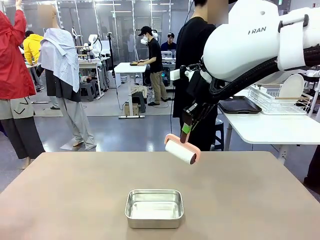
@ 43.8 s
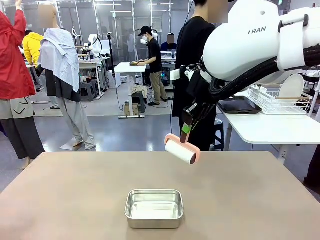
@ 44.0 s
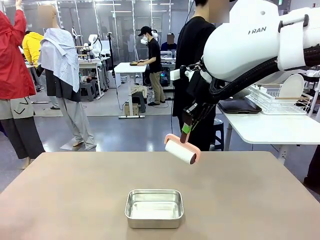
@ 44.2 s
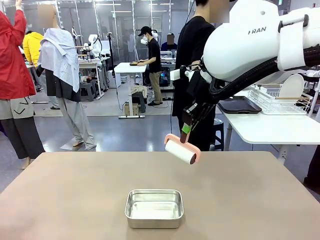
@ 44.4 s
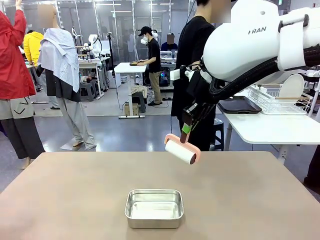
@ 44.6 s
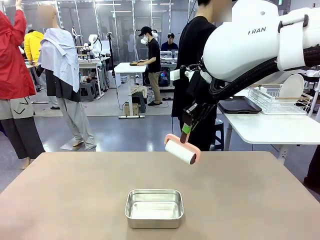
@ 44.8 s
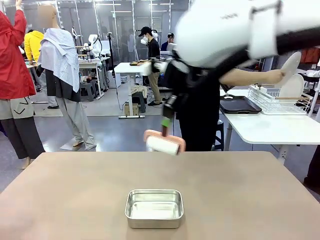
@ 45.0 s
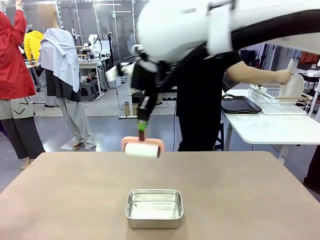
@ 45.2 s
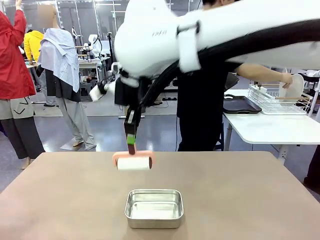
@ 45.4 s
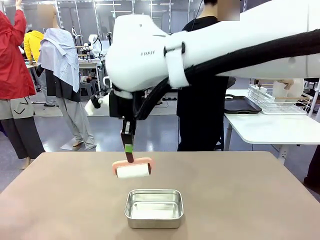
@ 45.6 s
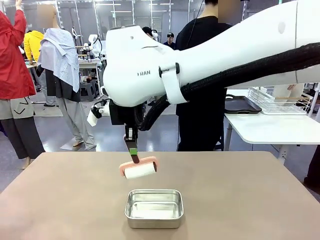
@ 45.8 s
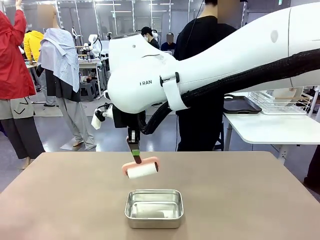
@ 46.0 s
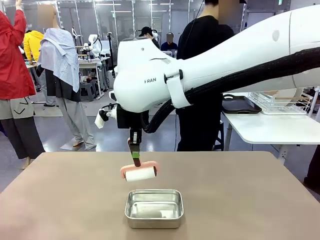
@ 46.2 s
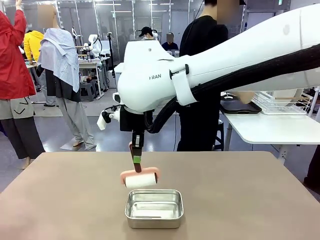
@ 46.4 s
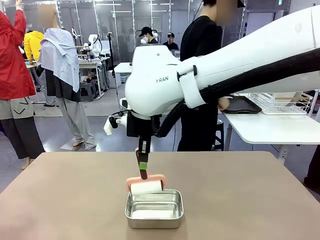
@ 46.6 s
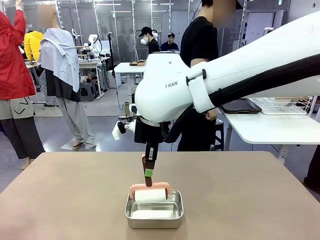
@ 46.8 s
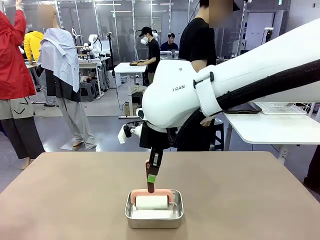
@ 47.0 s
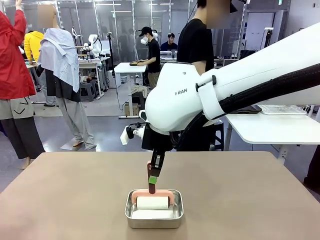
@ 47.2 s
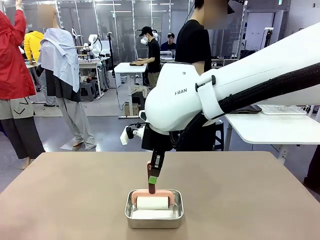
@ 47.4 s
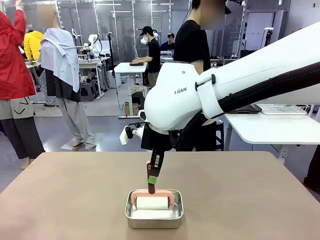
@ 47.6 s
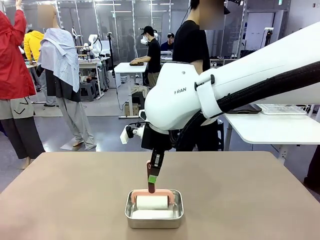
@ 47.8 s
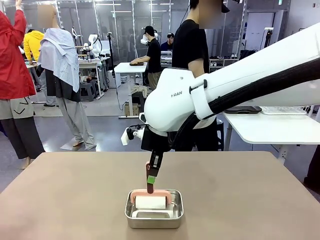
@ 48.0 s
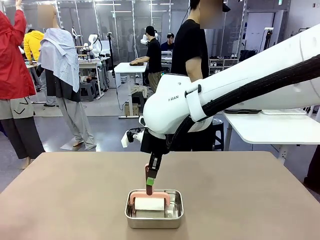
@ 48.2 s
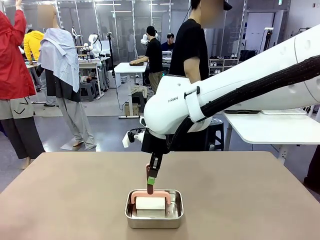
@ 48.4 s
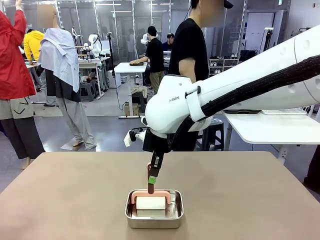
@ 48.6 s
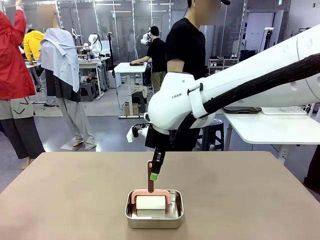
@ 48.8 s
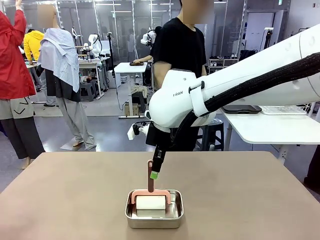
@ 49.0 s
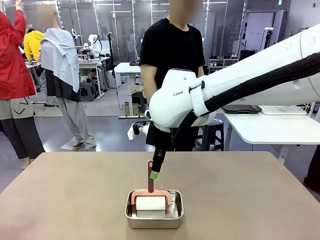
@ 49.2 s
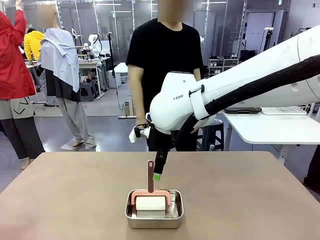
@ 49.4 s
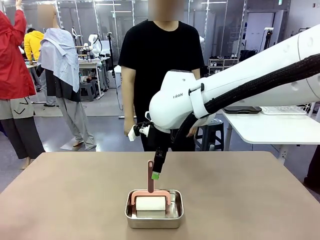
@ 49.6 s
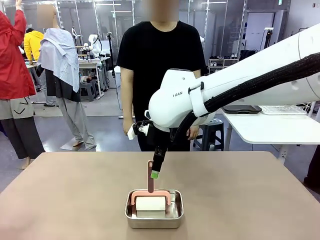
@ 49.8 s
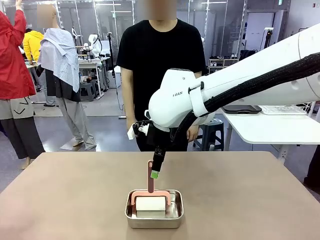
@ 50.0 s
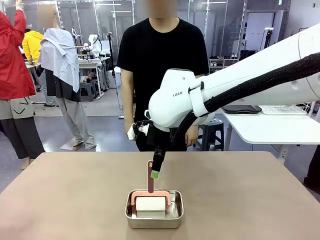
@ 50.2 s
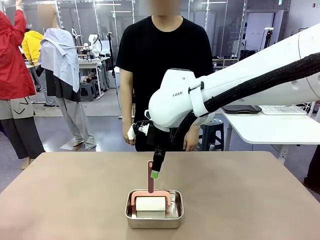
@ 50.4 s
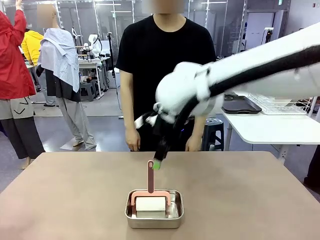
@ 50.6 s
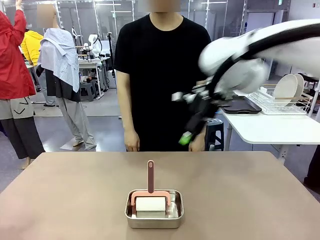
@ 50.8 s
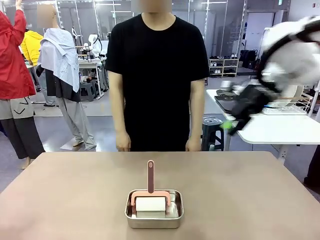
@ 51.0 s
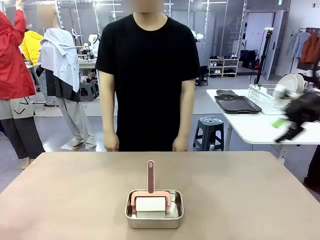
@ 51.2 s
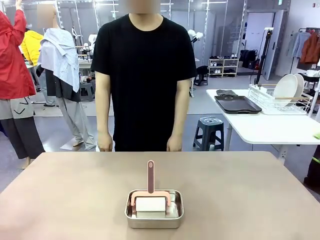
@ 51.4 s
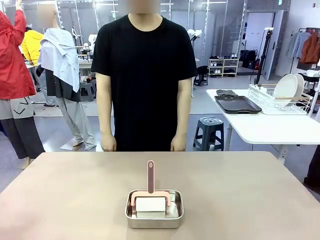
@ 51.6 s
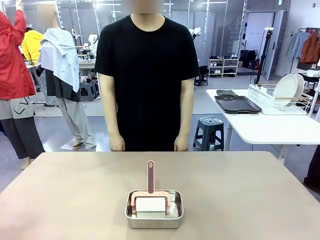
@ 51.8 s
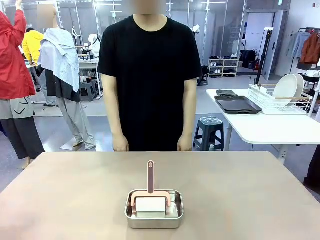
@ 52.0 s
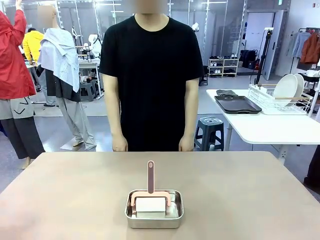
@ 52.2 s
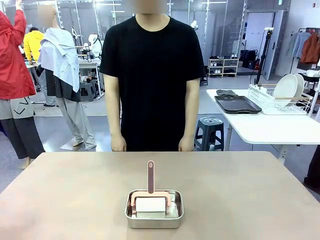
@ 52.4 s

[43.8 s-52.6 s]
Robot: Place the Lint Roller back on top of the Airtight Container.
